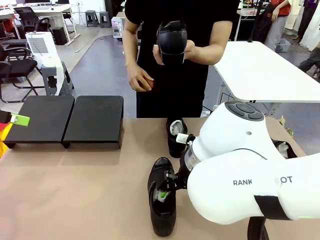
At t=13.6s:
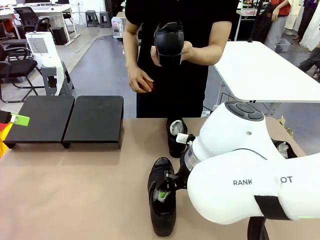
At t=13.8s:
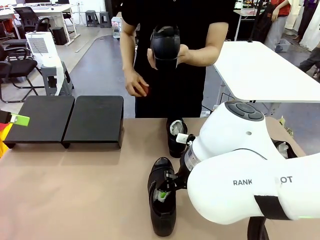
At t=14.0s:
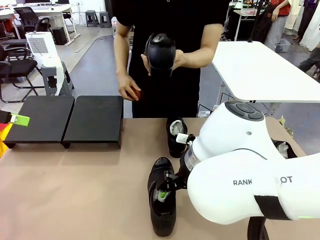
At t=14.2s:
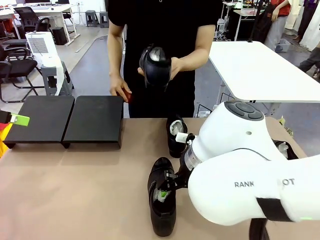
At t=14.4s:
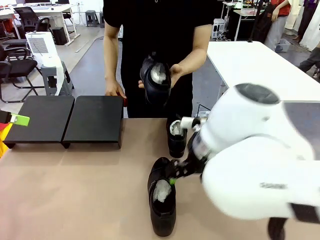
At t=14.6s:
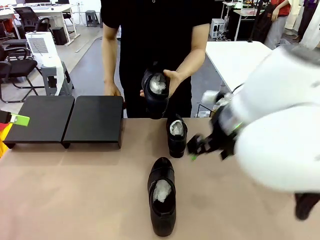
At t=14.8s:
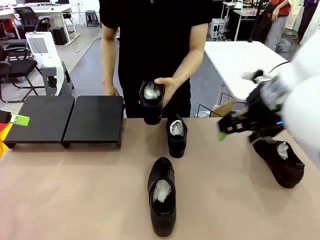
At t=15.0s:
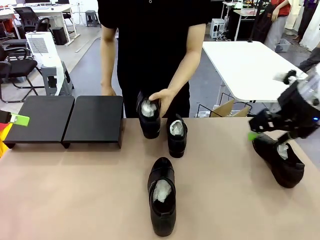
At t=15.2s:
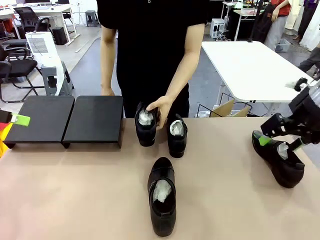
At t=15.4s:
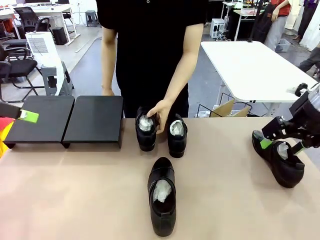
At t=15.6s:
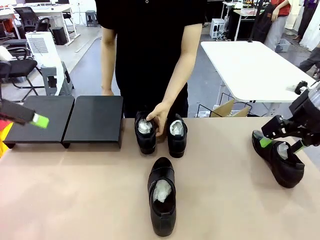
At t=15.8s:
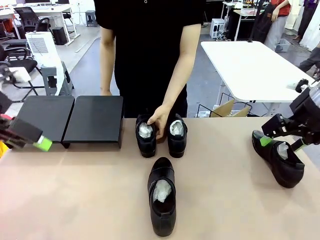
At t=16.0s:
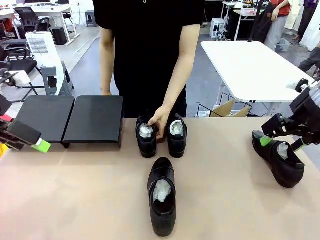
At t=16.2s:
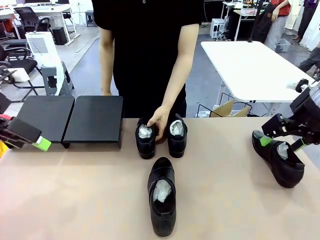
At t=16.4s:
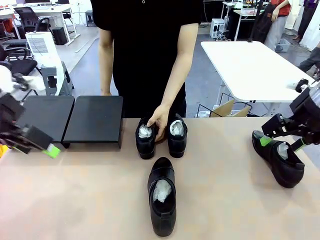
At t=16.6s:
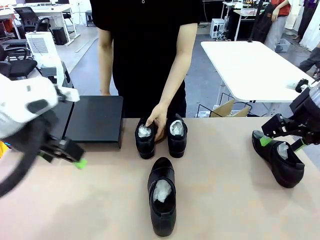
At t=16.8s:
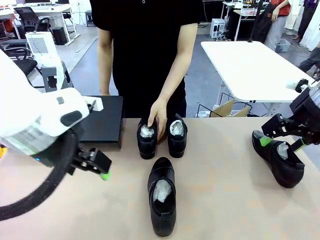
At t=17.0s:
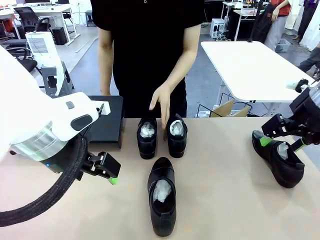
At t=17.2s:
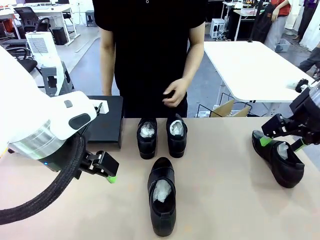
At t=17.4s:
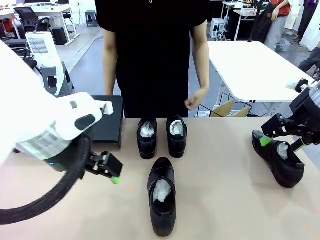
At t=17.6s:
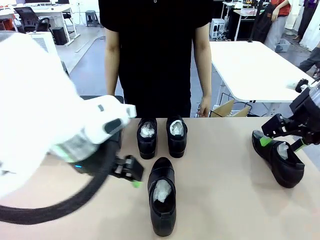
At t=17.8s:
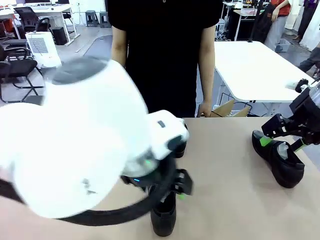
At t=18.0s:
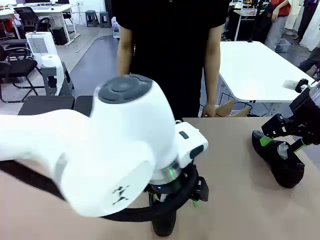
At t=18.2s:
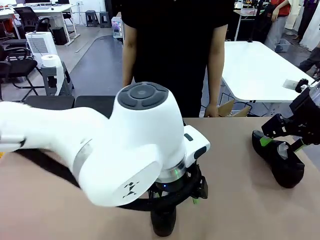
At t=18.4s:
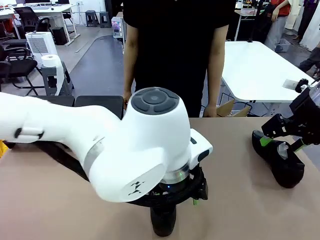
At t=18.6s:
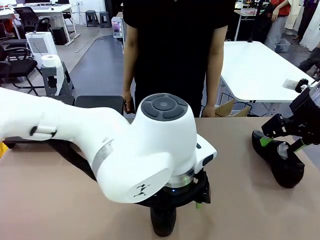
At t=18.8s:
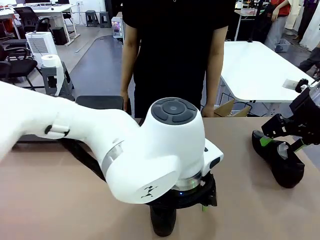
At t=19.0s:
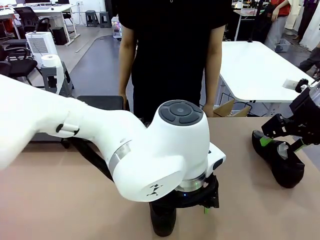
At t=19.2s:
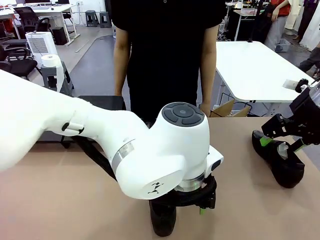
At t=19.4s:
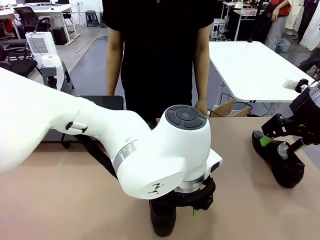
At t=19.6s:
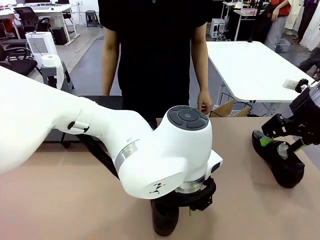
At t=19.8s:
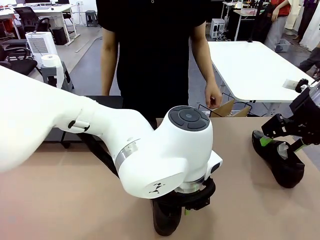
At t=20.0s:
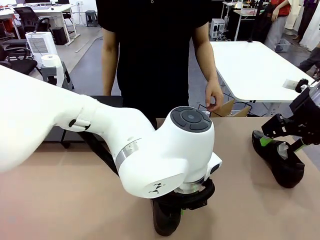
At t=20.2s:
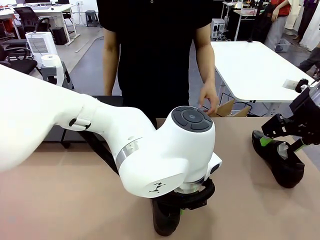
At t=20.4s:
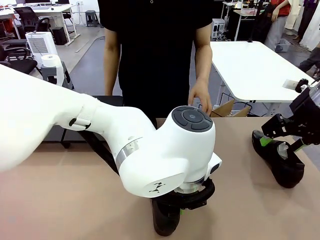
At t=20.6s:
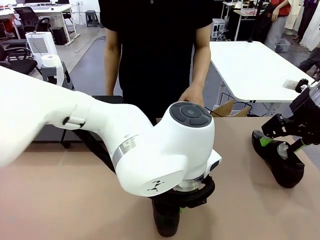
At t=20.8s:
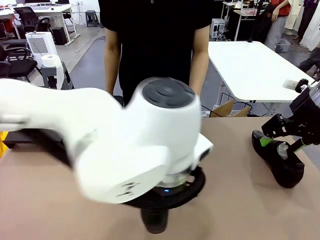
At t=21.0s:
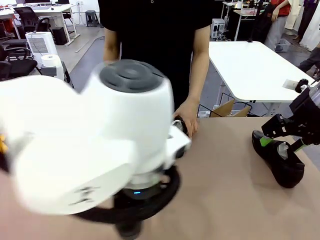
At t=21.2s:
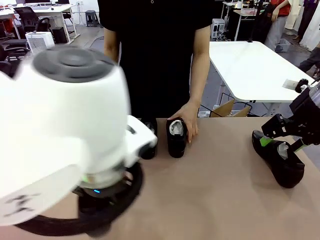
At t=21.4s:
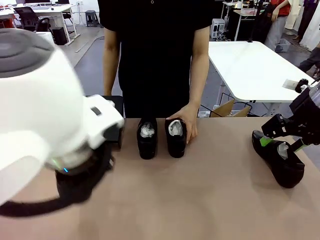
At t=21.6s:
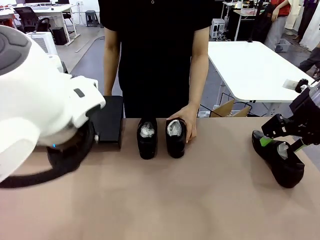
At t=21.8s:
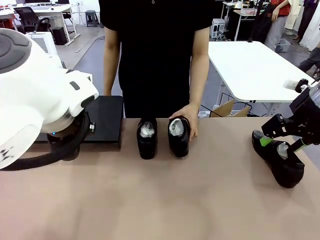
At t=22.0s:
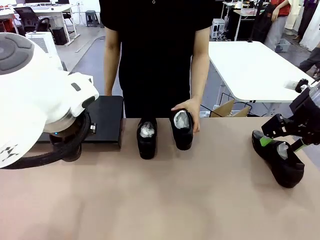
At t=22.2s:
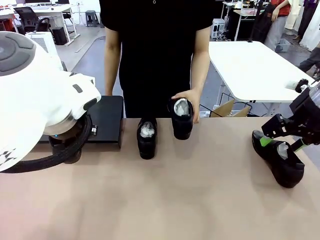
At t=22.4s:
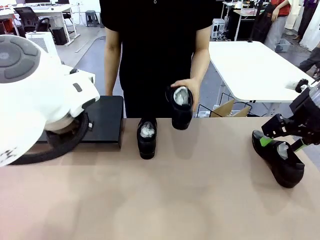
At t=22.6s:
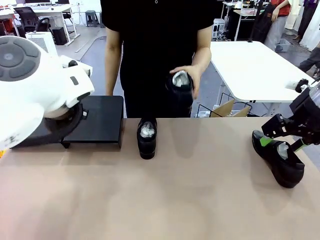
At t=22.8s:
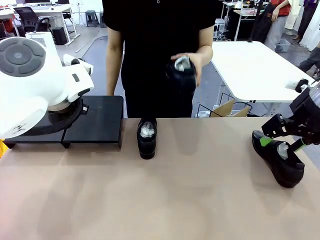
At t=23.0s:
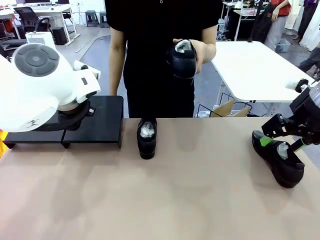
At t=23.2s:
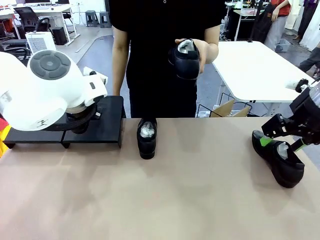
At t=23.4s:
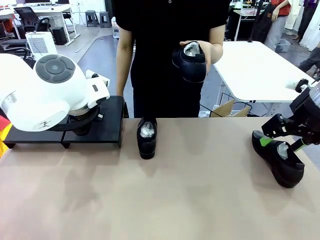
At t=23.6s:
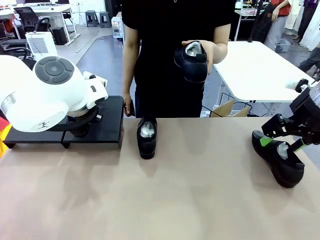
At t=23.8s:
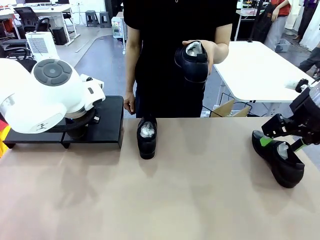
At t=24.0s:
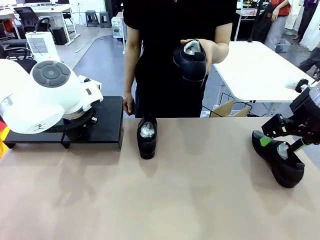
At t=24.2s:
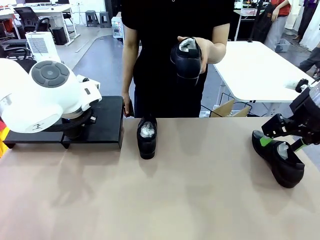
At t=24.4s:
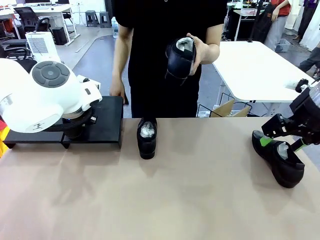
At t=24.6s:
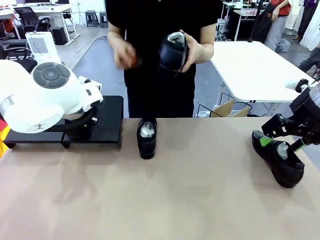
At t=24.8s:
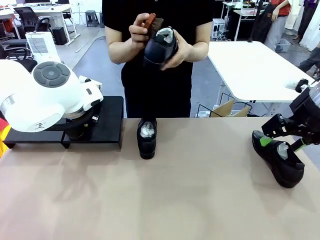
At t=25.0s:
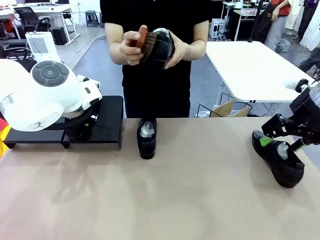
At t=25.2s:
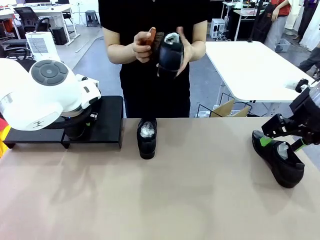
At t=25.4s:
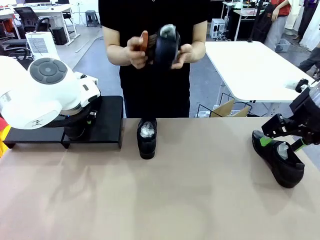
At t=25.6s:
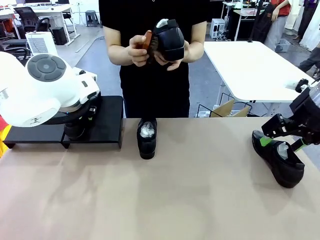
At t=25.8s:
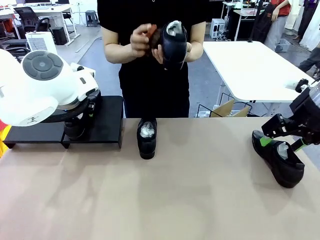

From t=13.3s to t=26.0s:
Task: Organize the shoes by placing them on the stand.
Robot: Place the Shoe from the middle of the table onto the Shoes Stand.
Person: Place the Shoe on left side of the Robot's table. Pick one Shoe on Robot's table.

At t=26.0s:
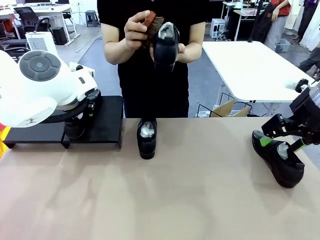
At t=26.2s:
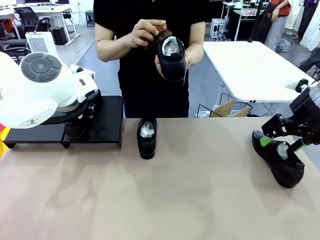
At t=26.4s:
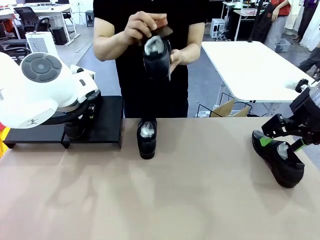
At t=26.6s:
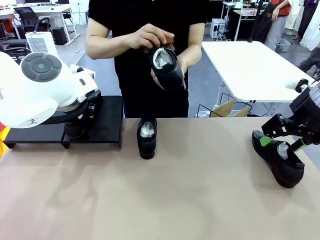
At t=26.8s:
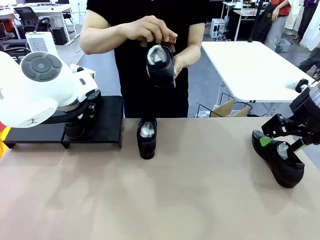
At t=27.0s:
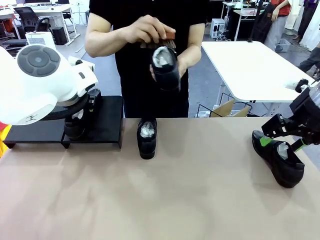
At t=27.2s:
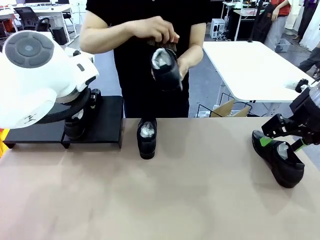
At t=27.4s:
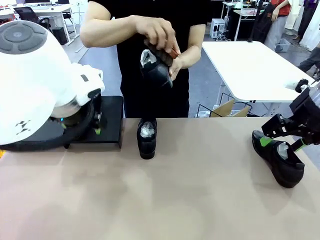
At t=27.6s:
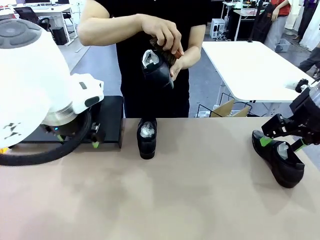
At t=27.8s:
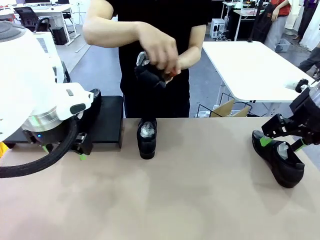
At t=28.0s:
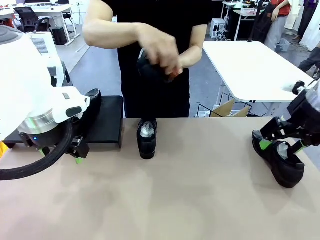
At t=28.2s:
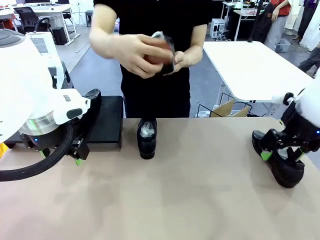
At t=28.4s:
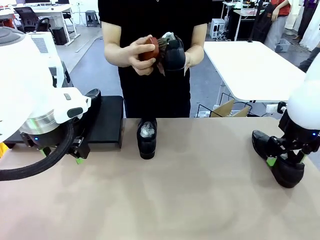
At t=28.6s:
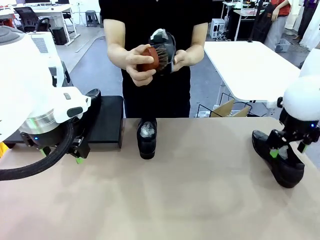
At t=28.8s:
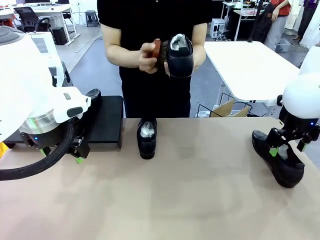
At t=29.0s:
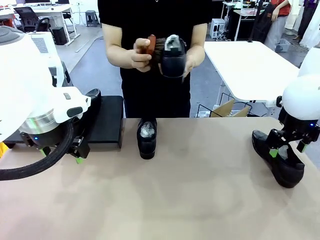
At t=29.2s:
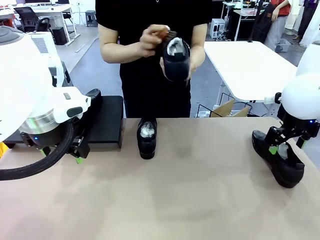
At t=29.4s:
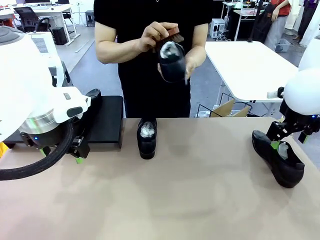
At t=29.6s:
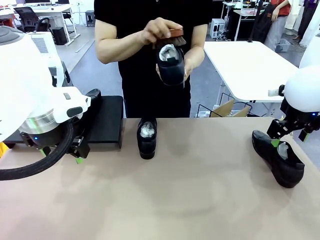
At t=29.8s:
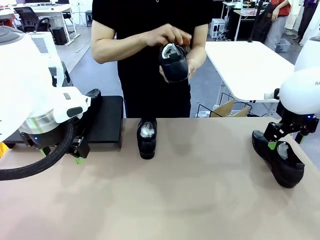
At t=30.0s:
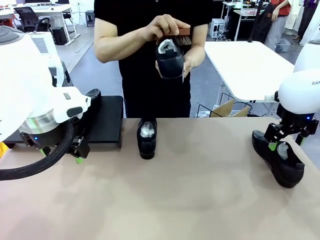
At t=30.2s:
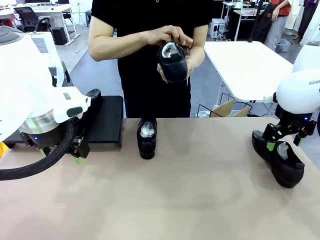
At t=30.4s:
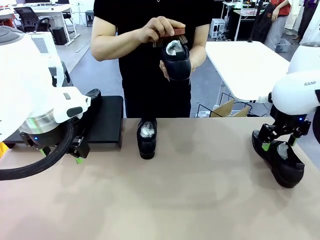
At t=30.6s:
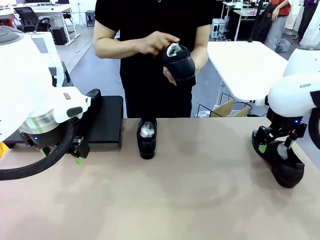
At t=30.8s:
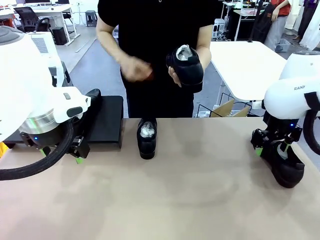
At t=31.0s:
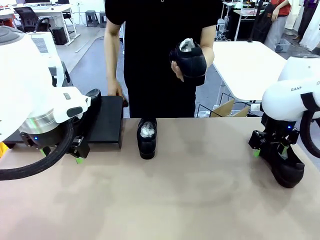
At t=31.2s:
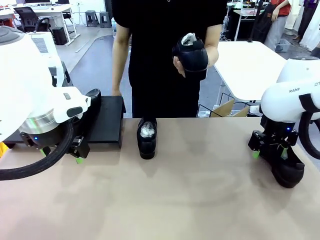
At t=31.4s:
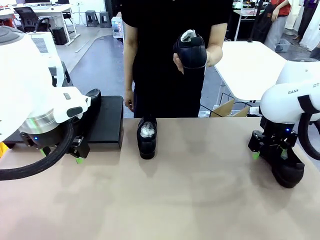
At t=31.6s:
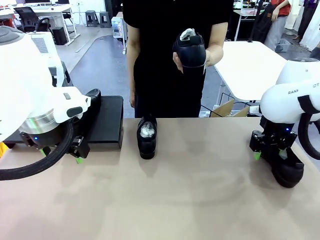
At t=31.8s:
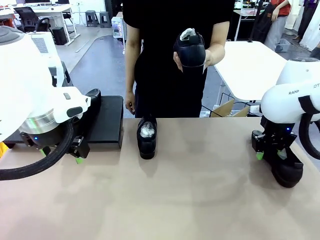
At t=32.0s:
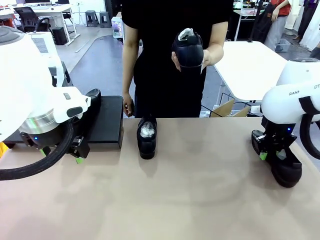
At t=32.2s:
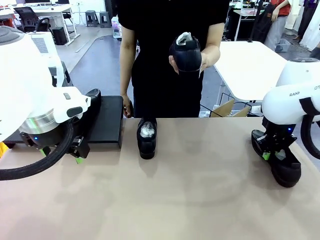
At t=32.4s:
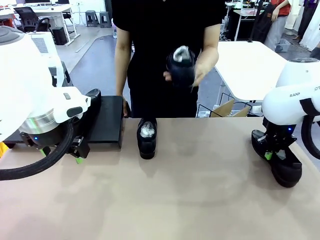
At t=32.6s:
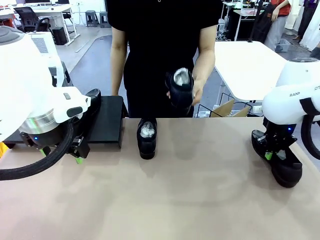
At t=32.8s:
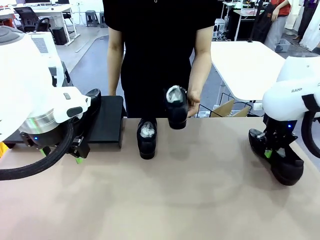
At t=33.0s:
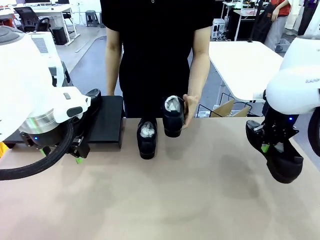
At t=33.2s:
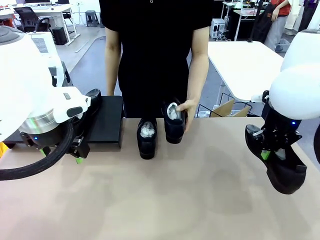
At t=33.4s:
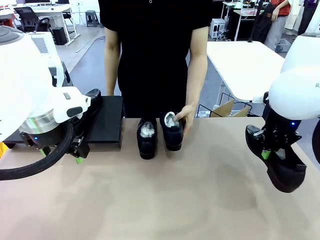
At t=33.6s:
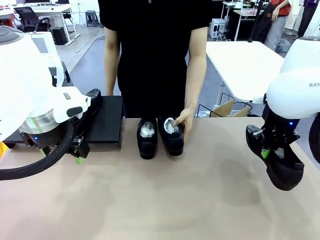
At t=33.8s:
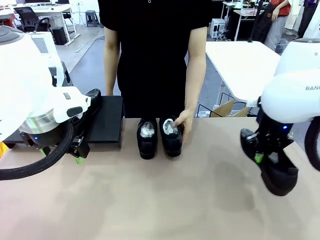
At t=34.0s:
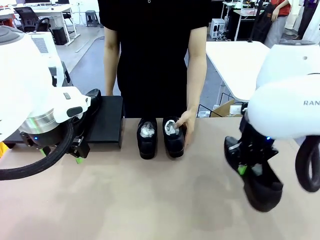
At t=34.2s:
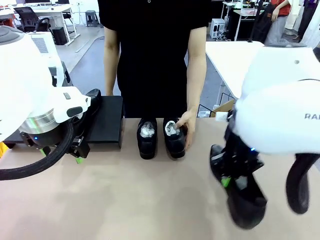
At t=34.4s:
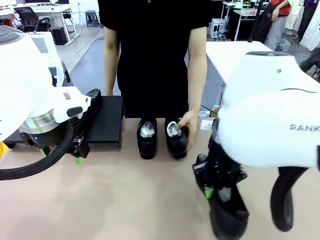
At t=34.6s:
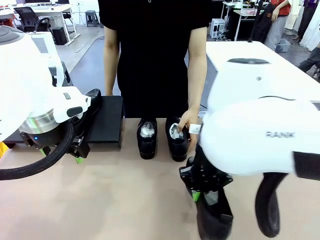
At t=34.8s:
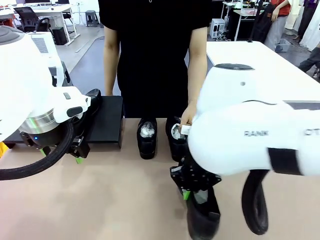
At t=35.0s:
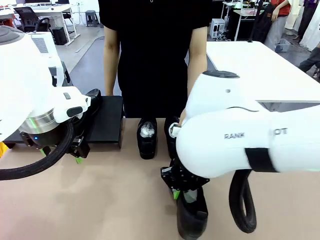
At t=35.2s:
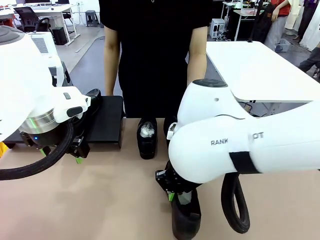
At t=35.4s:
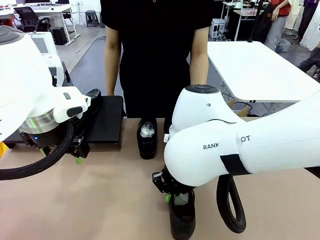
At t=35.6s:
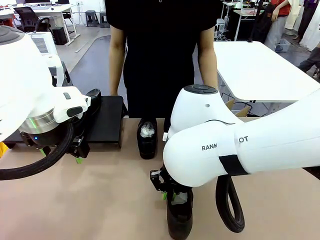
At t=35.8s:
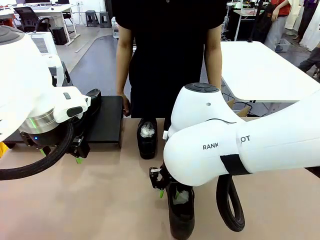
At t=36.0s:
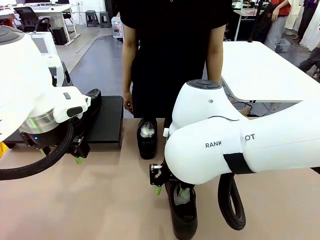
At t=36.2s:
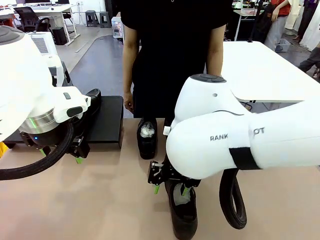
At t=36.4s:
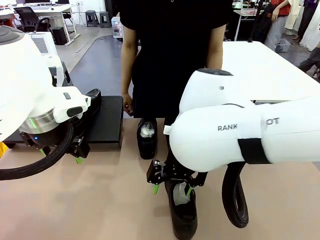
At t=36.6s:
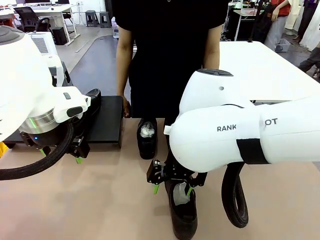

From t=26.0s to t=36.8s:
Robot: Pick up one Shoe and place it in the middle of the table.
Person: Clean the Shoe with the Shoe Brush.
